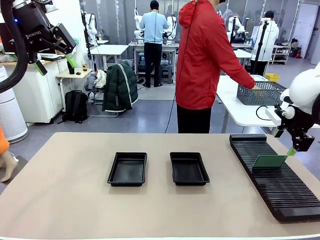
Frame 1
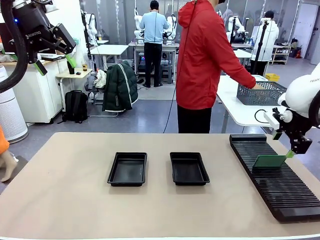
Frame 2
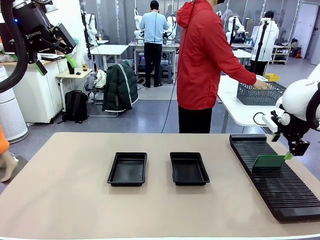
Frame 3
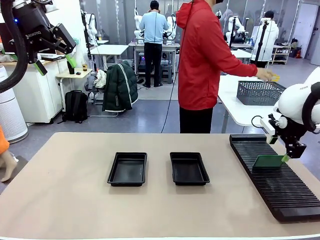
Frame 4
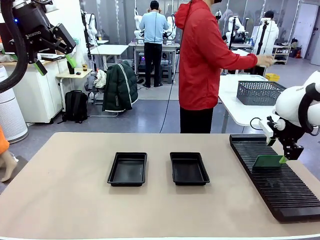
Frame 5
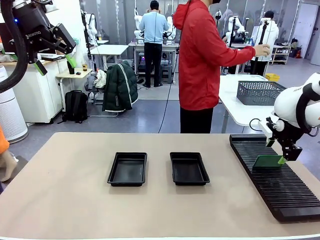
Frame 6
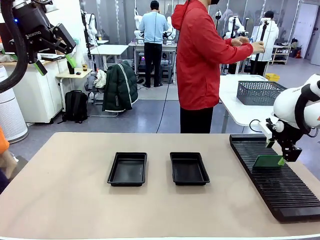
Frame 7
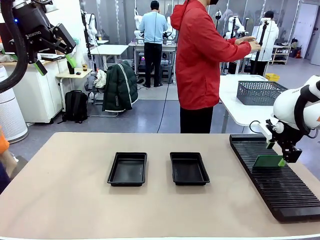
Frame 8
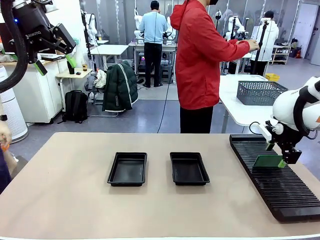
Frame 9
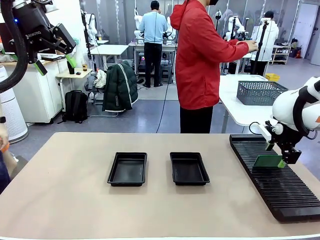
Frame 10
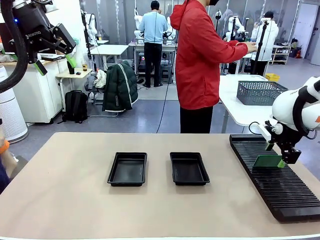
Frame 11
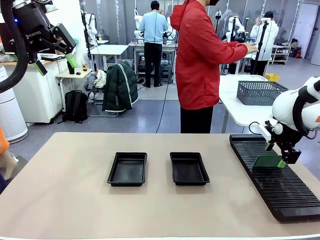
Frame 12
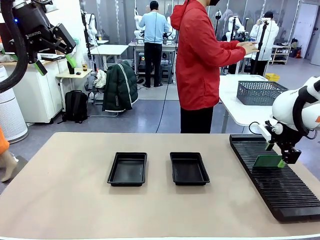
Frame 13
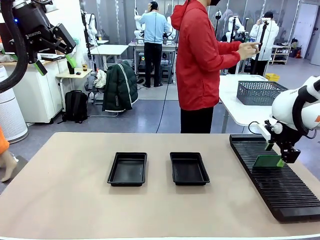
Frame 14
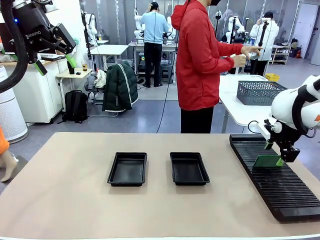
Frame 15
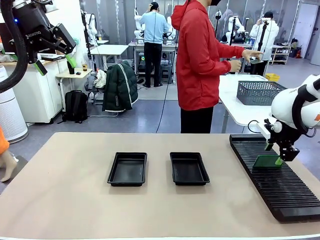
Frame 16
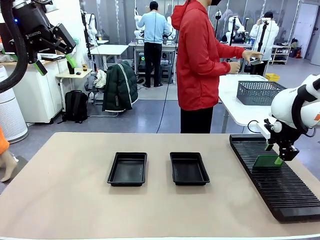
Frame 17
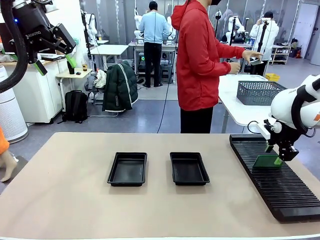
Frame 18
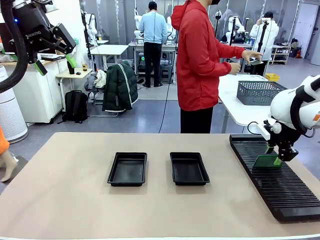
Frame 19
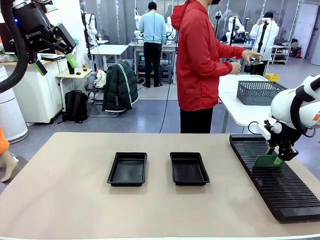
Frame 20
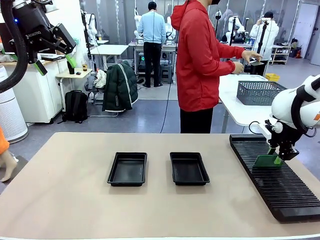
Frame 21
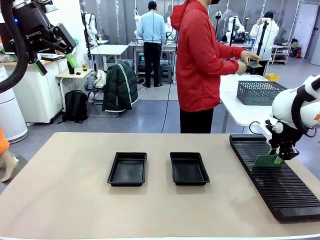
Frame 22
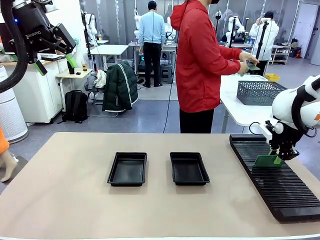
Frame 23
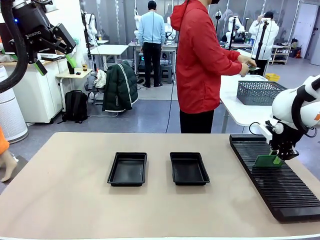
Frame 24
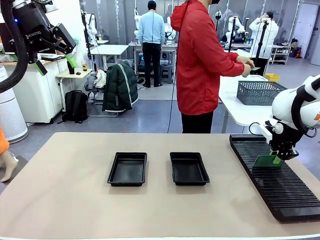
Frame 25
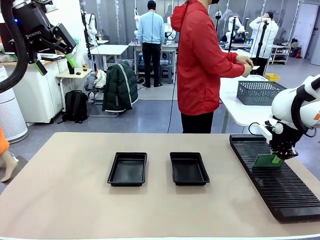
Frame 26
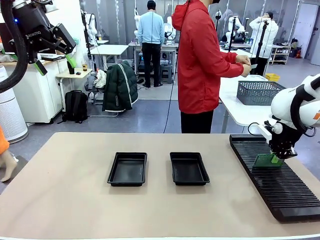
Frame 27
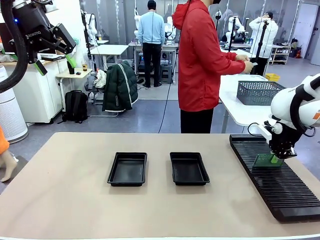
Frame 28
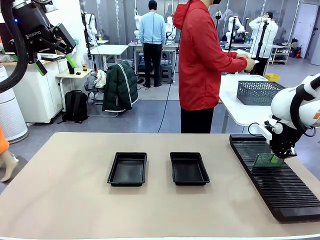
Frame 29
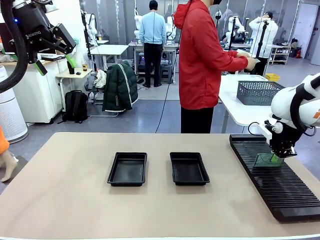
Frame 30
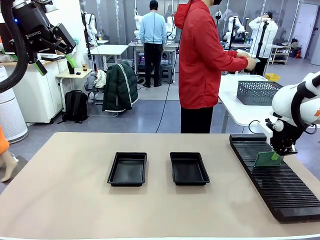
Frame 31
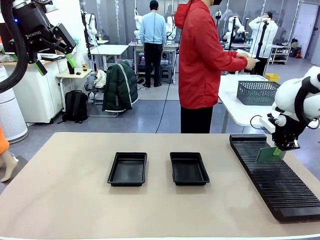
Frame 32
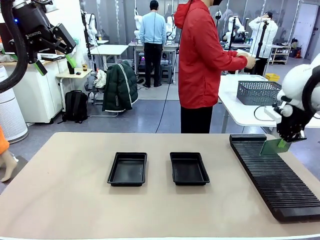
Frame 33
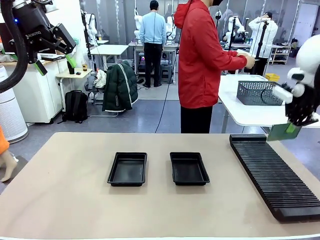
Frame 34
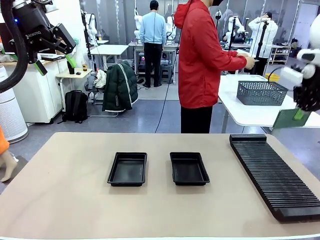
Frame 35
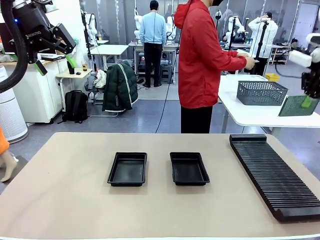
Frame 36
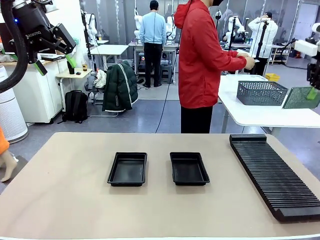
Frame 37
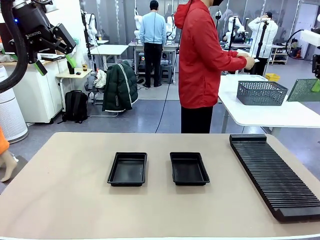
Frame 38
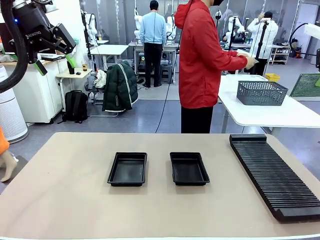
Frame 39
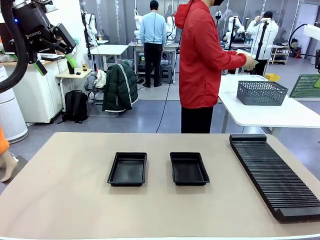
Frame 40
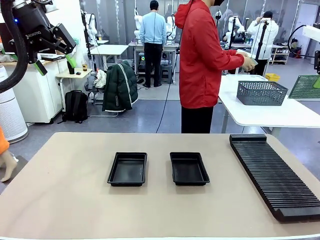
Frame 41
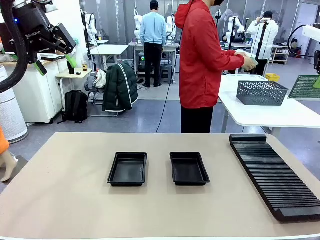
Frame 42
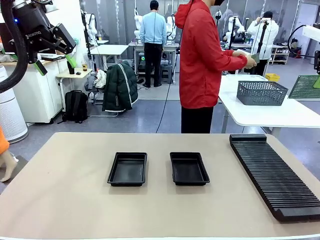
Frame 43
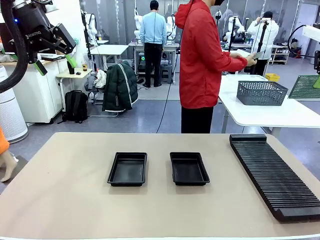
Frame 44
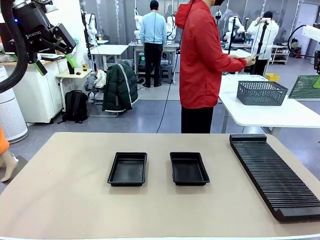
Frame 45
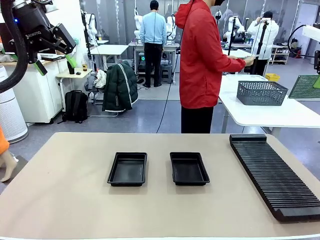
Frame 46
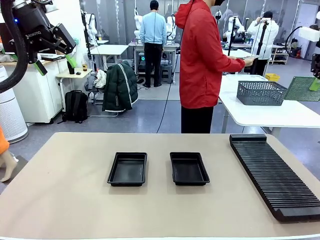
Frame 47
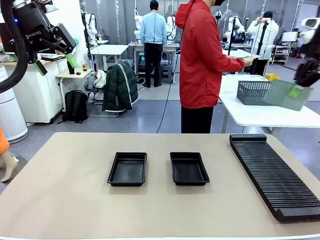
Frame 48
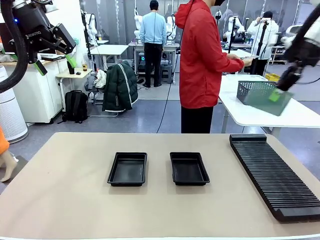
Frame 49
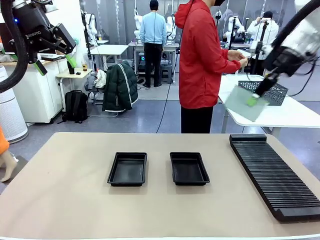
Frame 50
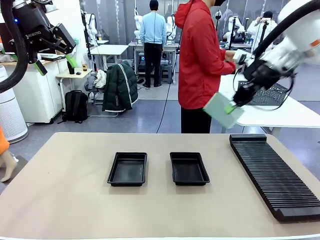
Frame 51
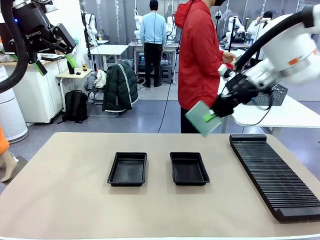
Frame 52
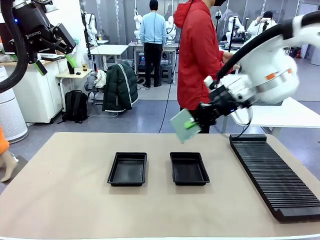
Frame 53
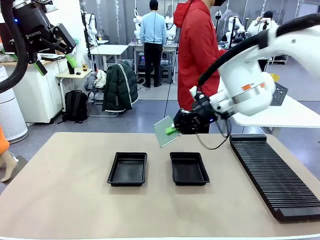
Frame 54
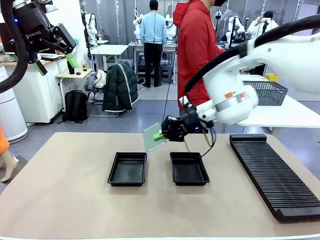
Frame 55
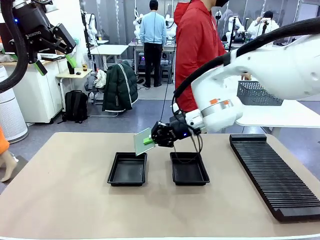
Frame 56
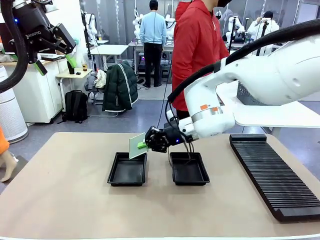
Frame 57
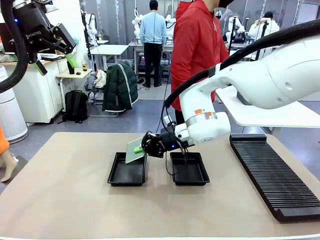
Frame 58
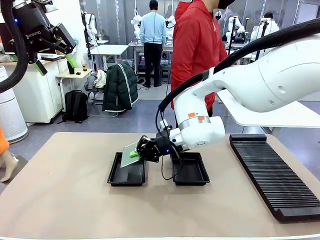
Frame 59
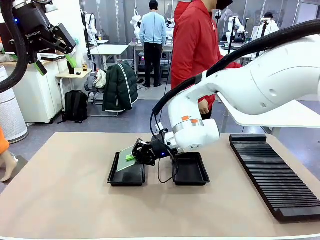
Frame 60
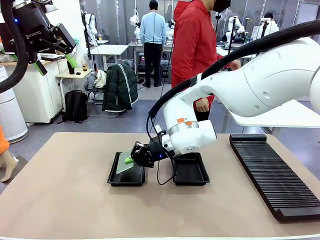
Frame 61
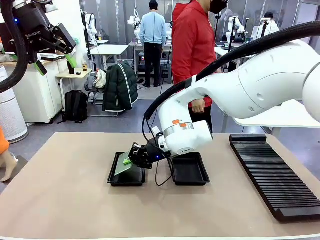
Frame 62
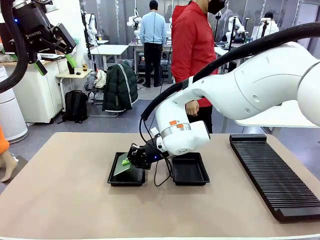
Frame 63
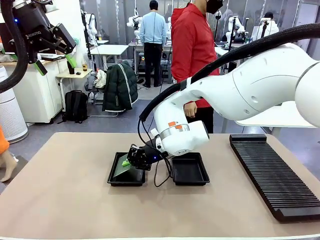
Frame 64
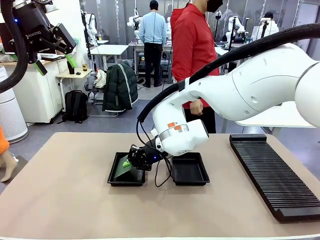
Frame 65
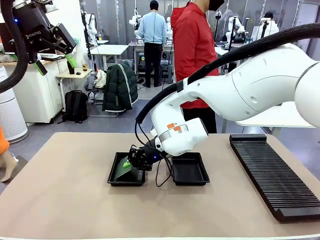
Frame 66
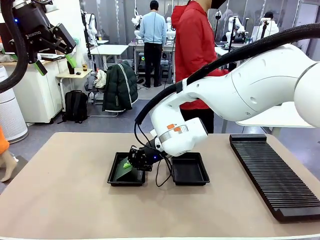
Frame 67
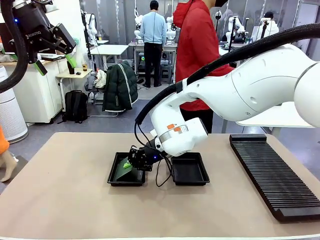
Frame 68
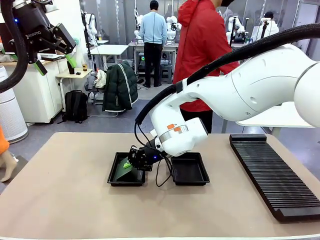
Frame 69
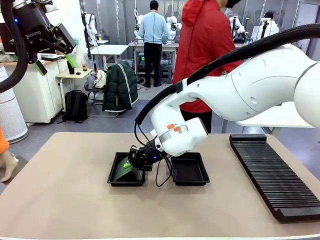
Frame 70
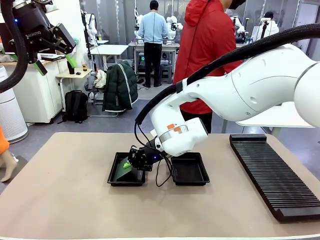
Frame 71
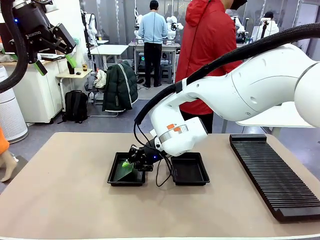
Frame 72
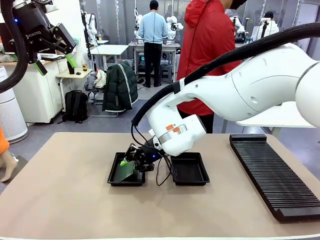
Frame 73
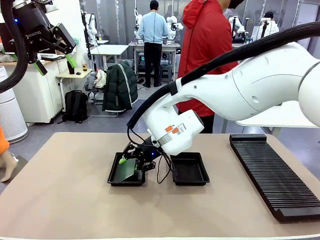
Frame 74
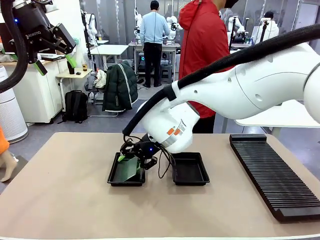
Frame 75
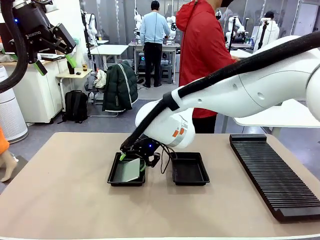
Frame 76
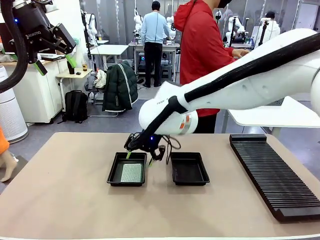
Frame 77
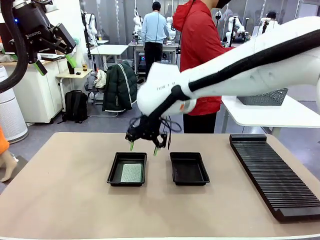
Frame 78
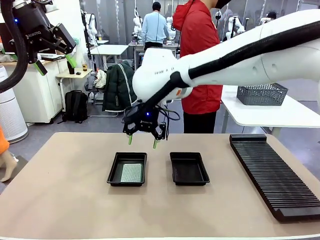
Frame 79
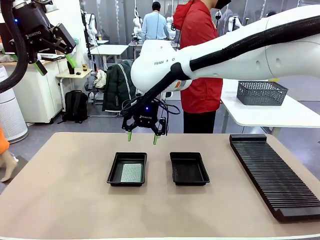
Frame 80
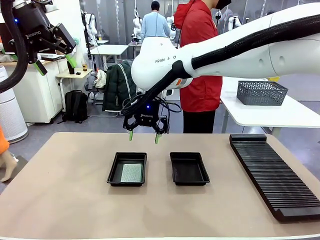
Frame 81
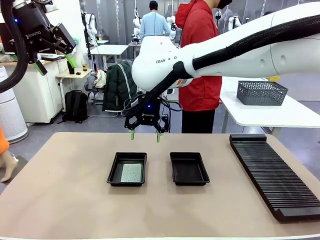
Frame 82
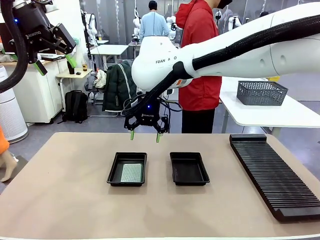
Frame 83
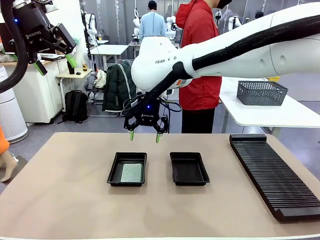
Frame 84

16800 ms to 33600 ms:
Task: Inspect and transfer BCBs to ESD trays.
Robot: Pick up the Blank PCB from the PCB Rack and place it in the left ESD tray.
